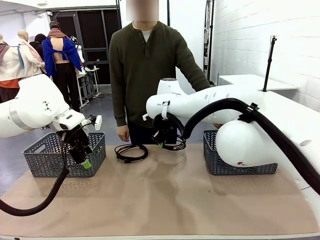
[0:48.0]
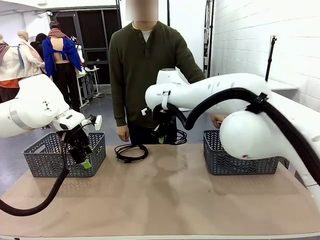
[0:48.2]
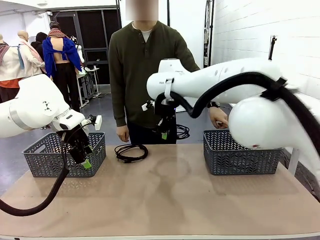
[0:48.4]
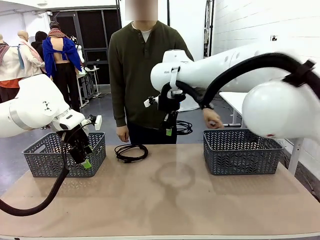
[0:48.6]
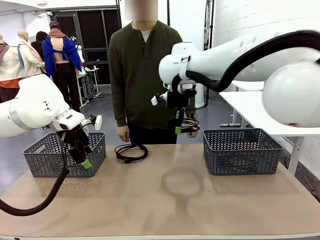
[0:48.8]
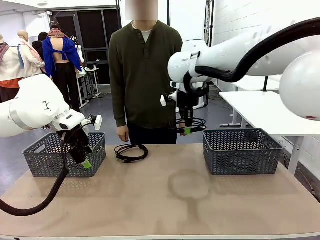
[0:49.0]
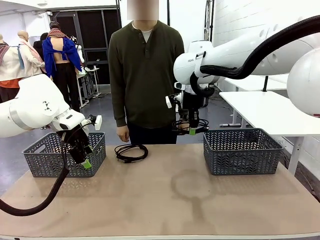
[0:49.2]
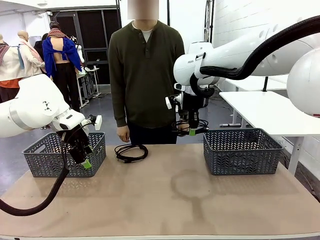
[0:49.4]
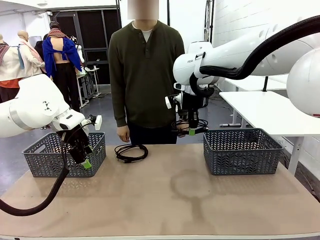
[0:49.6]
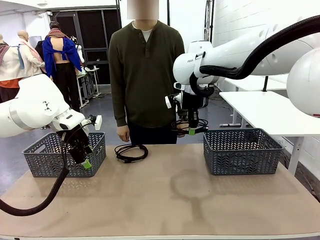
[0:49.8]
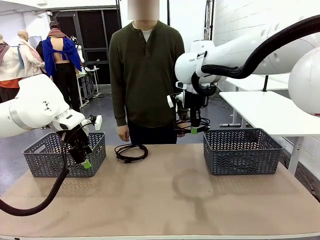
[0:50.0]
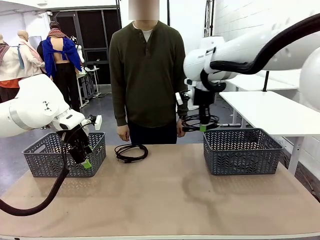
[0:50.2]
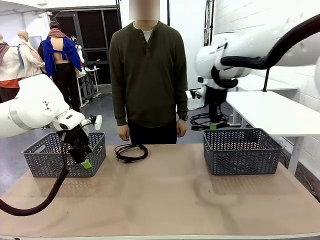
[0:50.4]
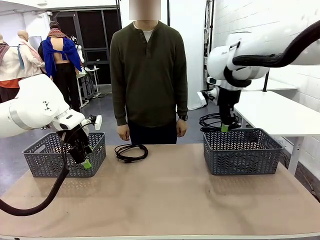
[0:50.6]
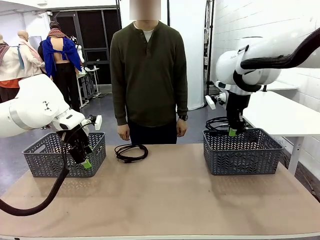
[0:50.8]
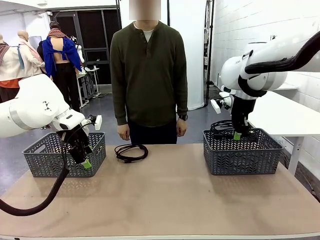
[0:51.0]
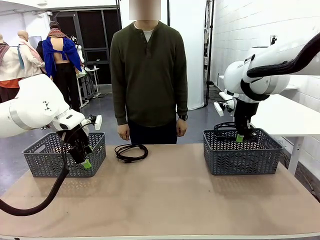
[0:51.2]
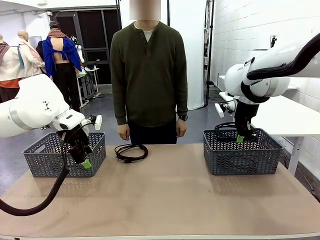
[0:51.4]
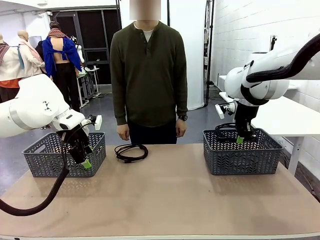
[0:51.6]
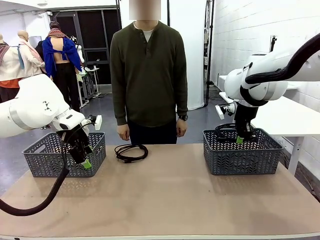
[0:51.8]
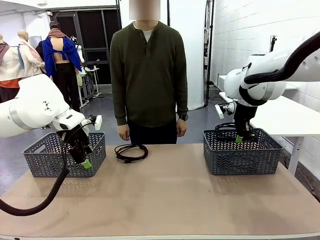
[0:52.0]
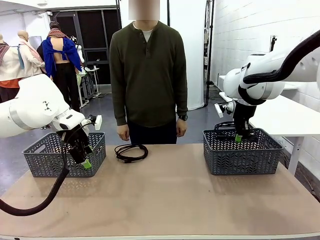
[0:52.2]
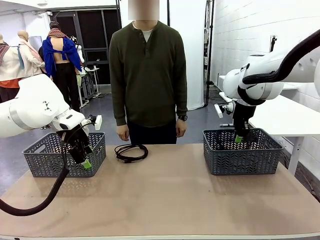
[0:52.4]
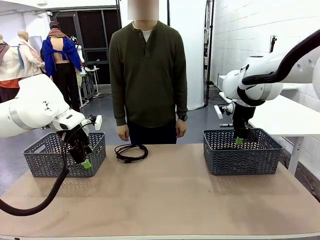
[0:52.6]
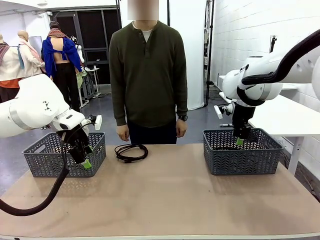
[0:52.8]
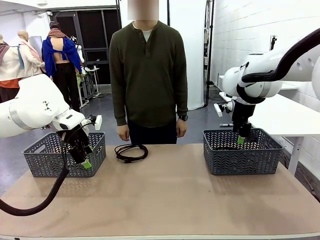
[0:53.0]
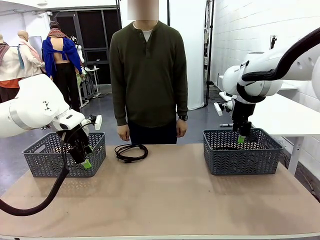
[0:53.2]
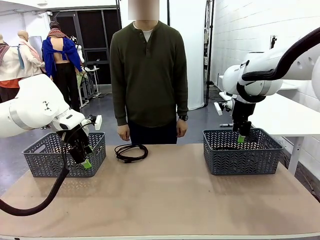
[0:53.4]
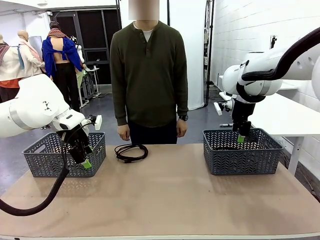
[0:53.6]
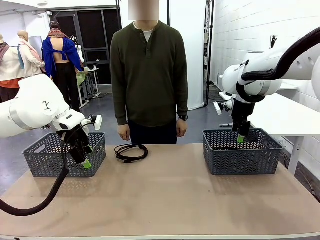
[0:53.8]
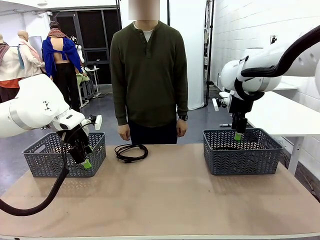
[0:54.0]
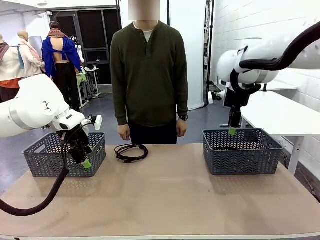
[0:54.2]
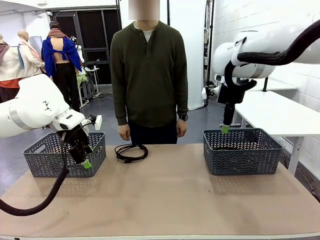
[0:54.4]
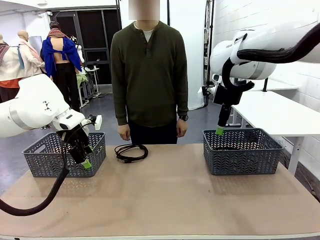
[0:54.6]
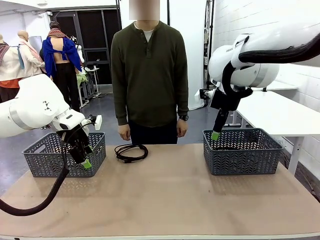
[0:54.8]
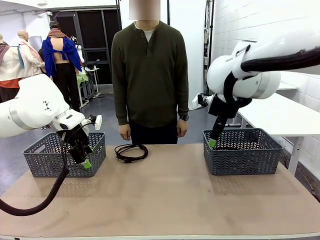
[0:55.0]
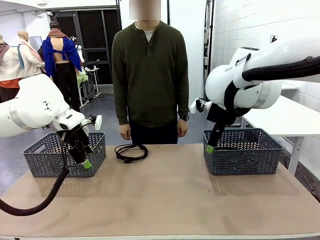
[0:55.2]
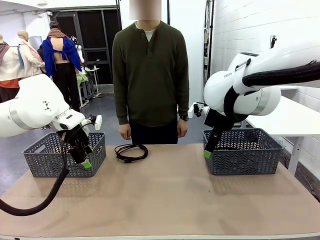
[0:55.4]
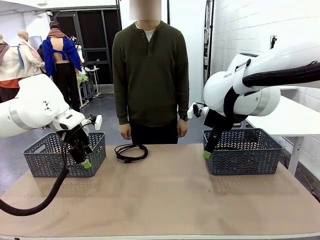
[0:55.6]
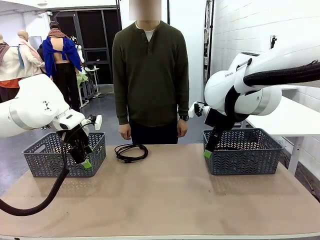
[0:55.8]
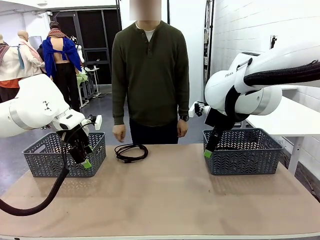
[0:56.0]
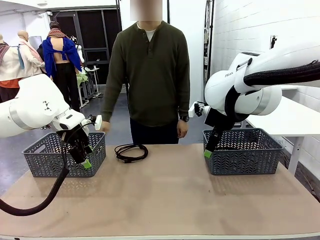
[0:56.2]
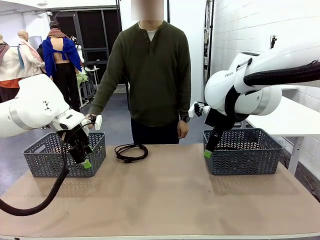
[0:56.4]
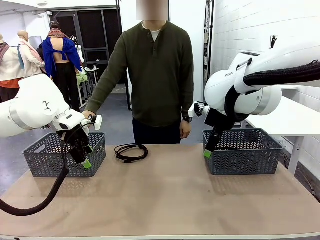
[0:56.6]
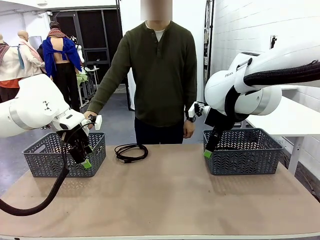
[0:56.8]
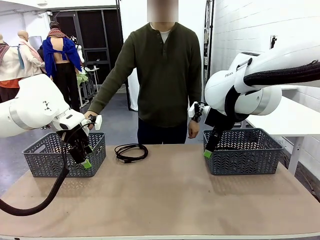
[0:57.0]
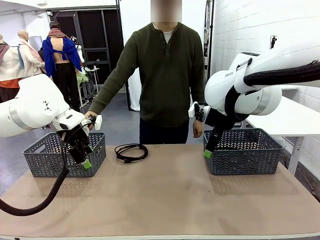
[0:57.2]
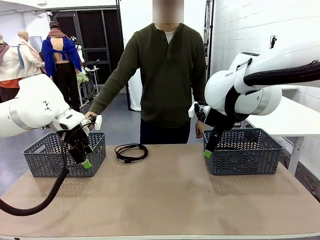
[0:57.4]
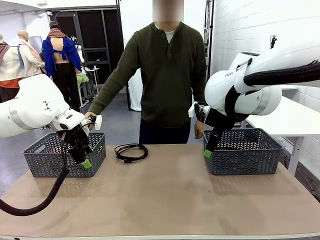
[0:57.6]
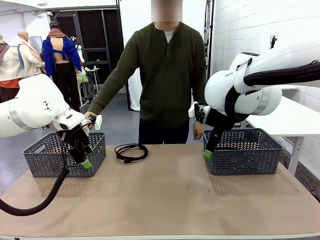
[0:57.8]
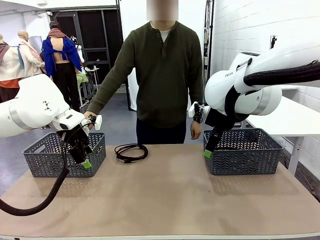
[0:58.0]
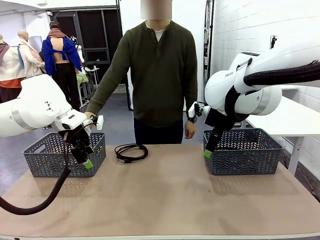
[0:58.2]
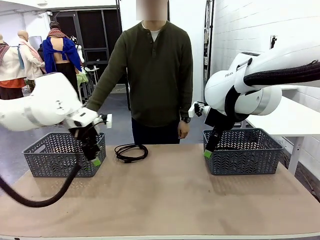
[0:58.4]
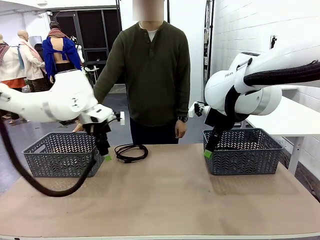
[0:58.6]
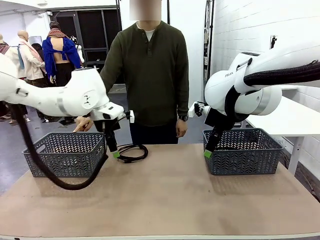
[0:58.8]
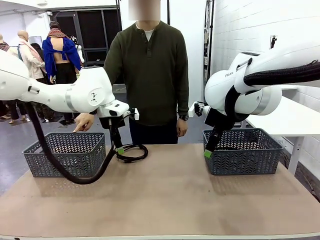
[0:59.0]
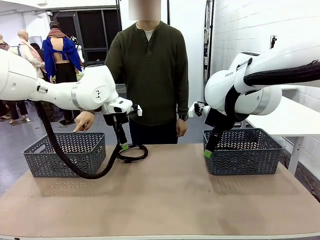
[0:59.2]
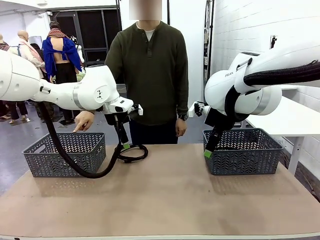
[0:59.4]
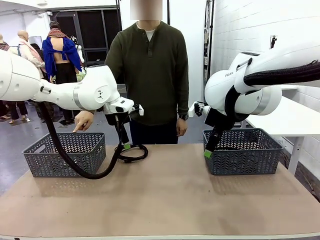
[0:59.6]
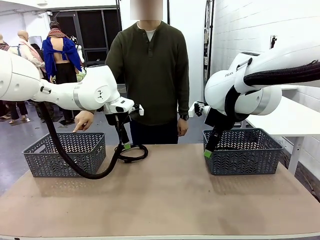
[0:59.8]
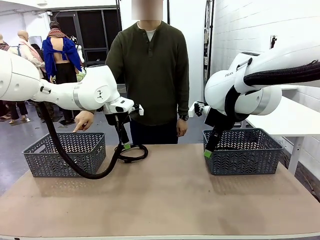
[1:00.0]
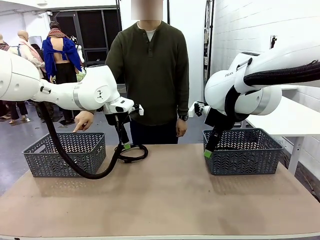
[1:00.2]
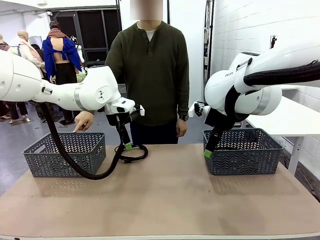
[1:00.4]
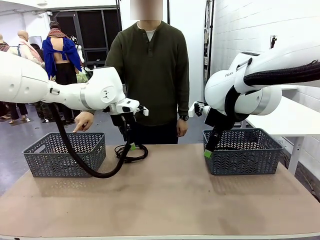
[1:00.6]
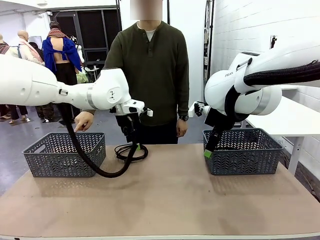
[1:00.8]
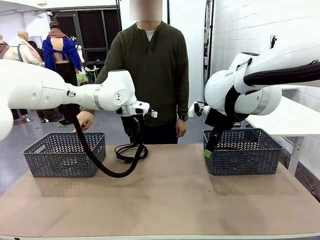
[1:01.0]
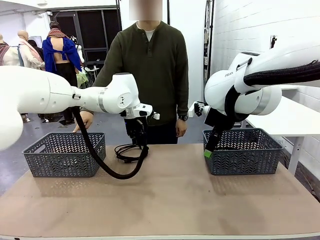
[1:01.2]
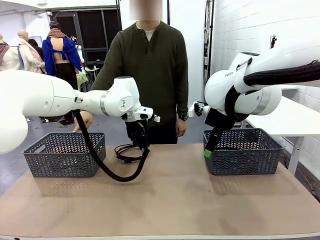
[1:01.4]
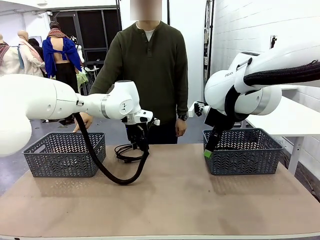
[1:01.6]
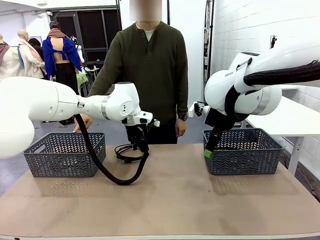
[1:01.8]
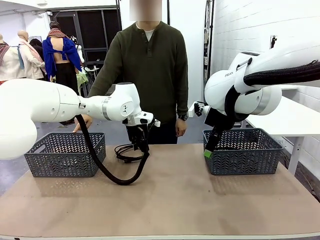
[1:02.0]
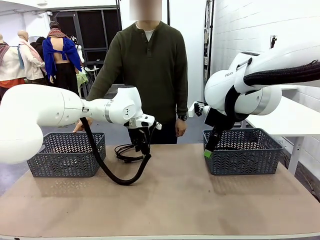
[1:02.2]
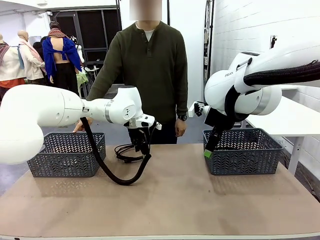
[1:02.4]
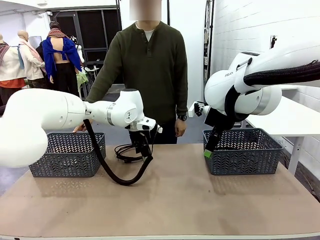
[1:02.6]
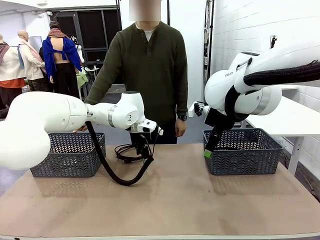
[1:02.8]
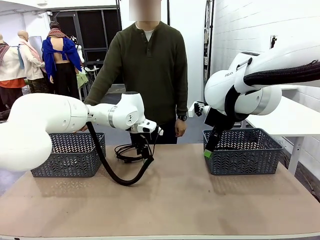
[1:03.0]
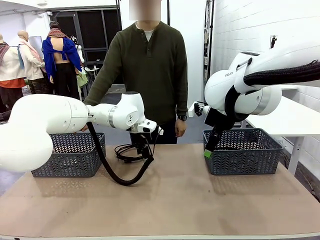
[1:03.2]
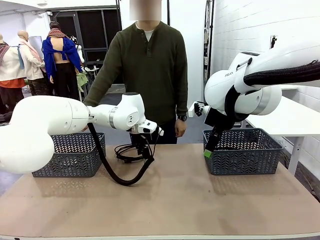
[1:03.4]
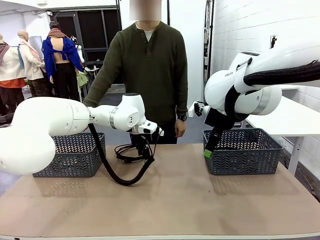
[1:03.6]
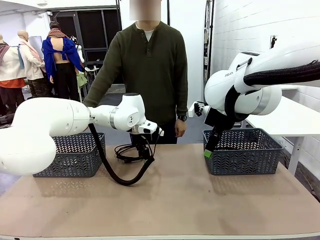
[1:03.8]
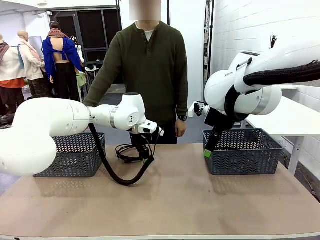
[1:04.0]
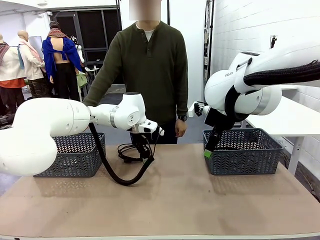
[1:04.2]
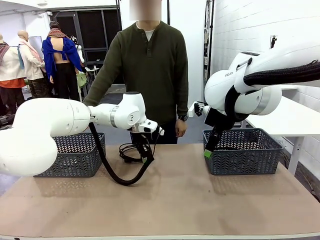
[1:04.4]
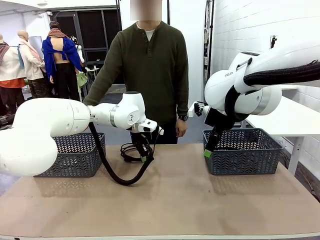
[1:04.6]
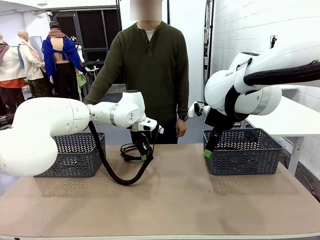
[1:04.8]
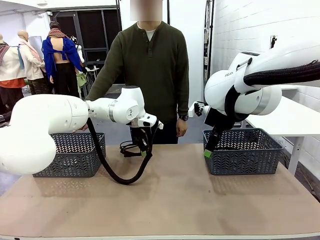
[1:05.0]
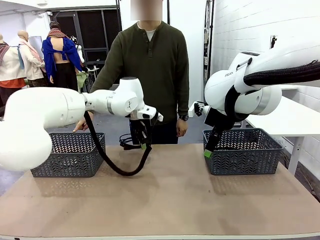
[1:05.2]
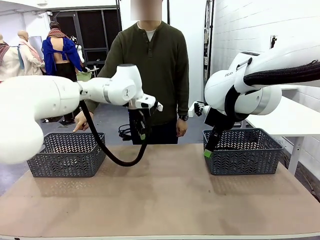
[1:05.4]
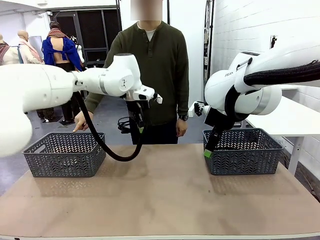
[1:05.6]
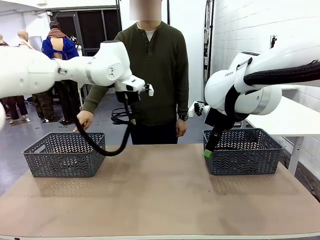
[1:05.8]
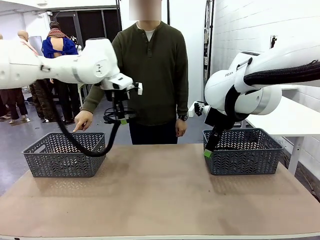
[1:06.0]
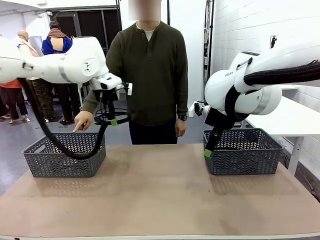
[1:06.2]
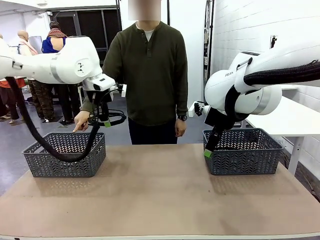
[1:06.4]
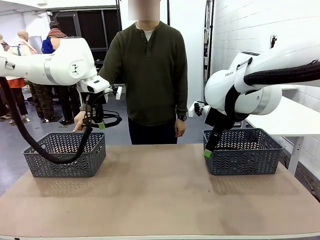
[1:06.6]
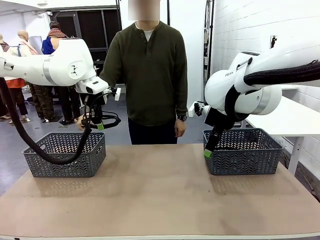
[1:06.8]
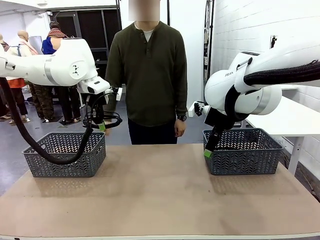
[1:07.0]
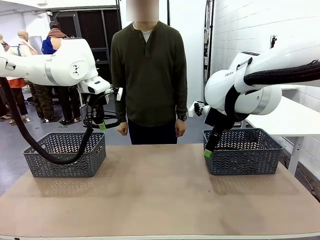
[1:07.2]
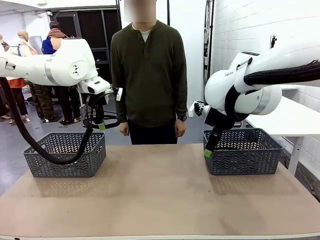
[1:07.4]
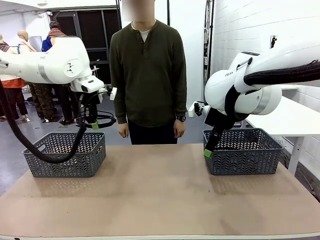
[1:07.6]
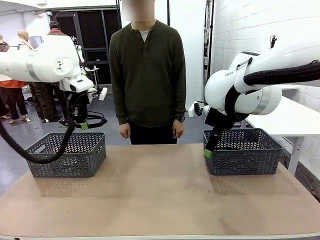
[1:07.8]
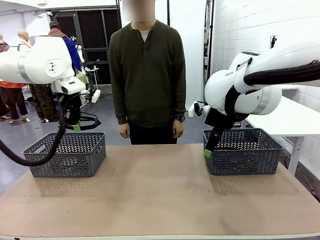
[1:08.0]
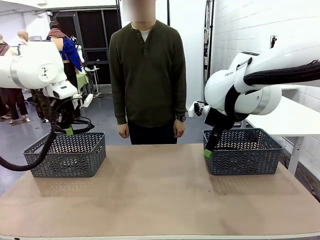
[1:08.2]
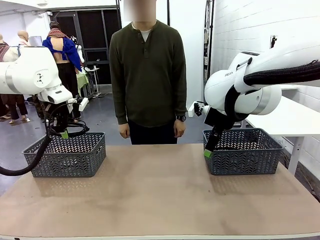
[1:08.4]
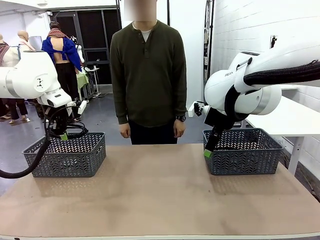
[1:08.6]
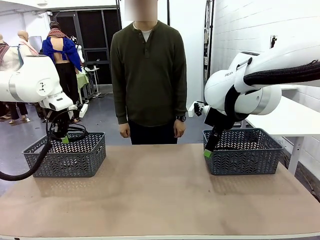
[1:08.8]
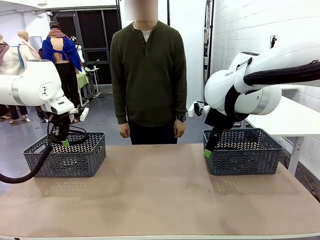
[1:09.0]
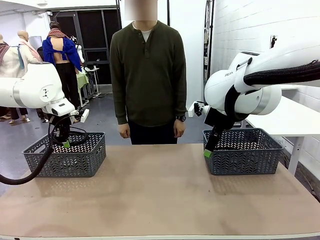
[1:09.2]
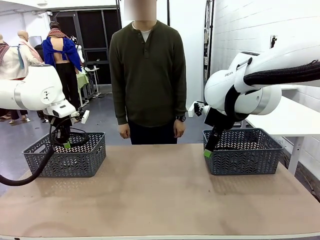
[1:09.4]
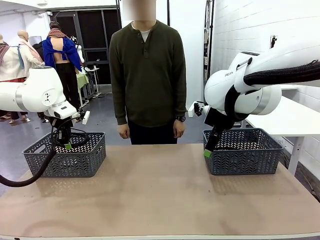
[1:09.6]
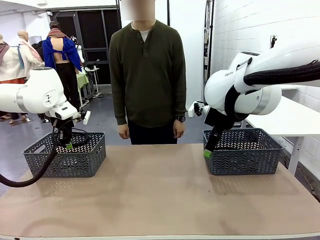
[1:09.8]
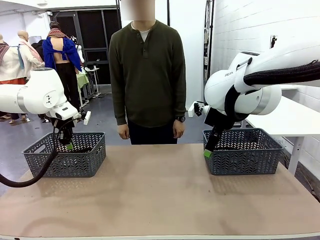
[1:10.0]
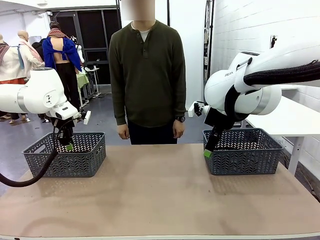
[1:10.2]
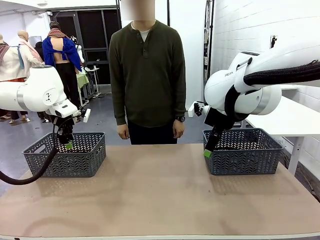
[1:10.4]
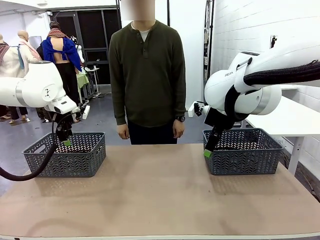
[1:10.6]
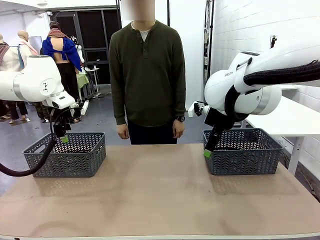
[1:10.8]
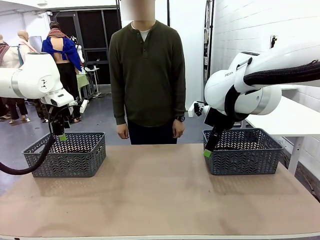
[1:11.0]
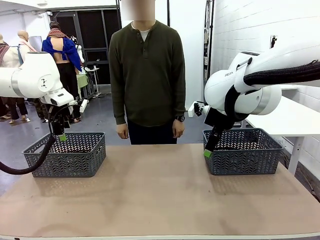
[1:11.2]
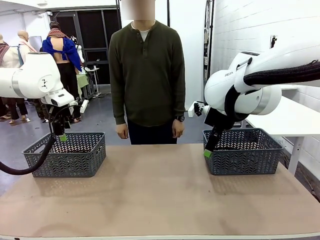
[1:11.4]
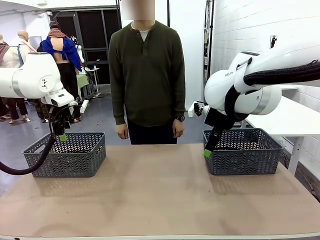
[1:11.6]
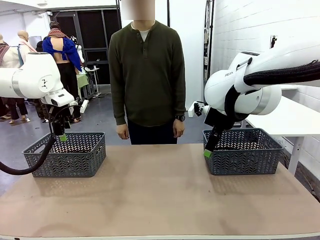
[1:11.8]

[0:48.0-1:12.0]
Task: Organize the cables according to human instructions.
Robot: Pick up a bundle of cables and place it in the basket indicated by the human.
